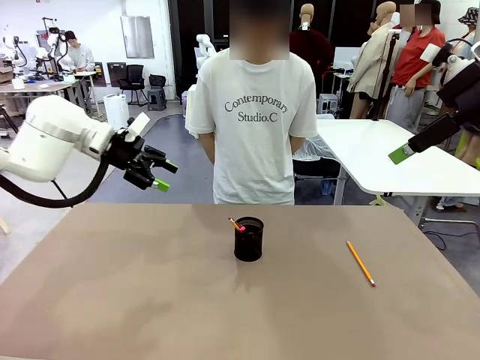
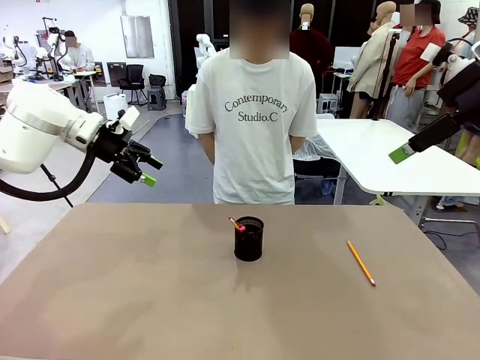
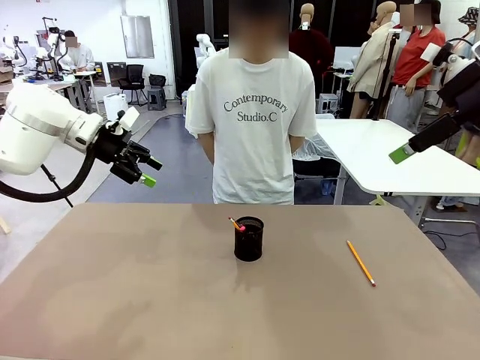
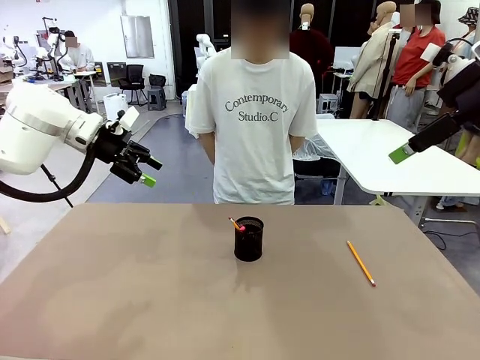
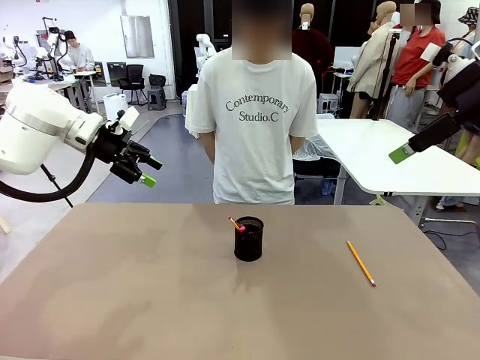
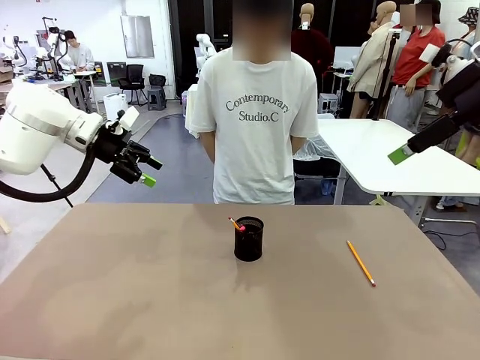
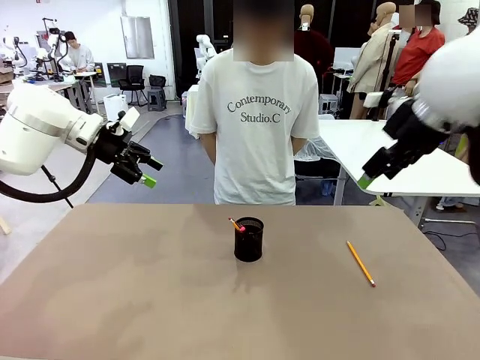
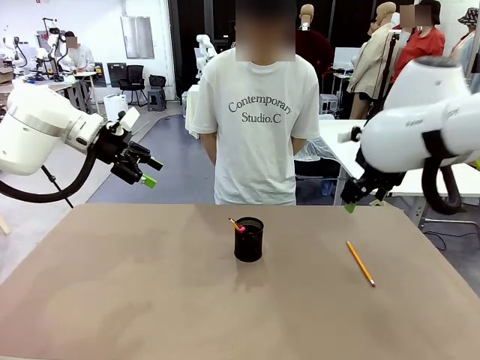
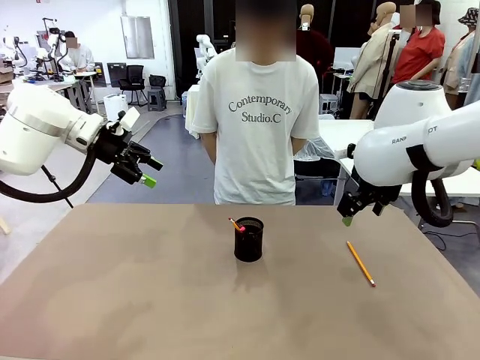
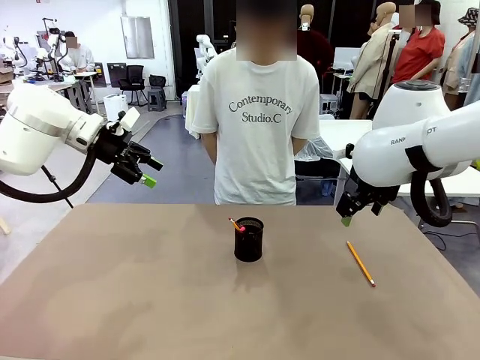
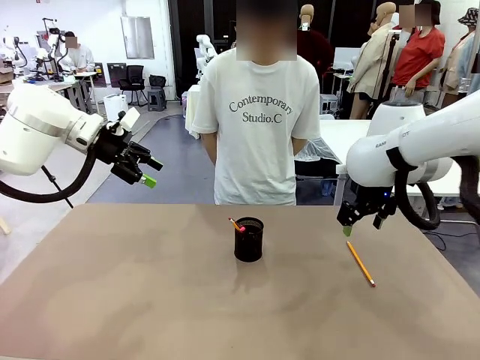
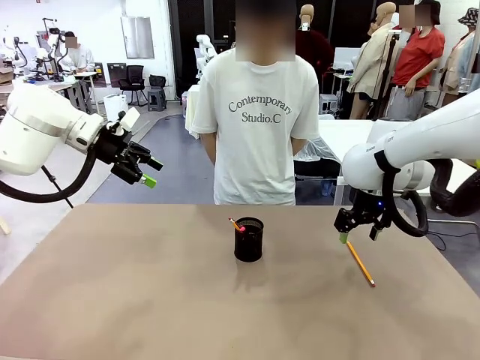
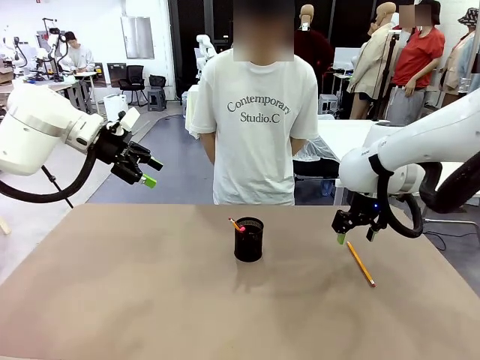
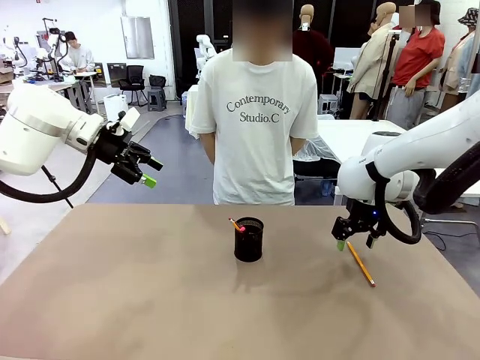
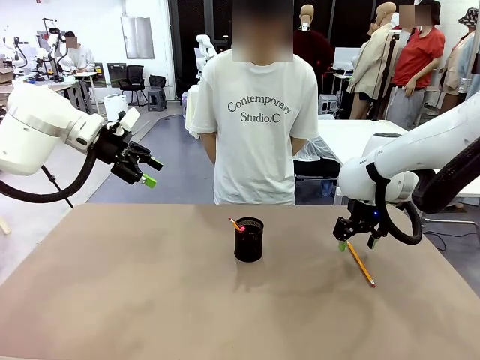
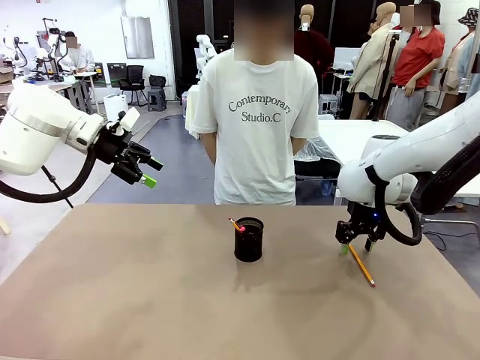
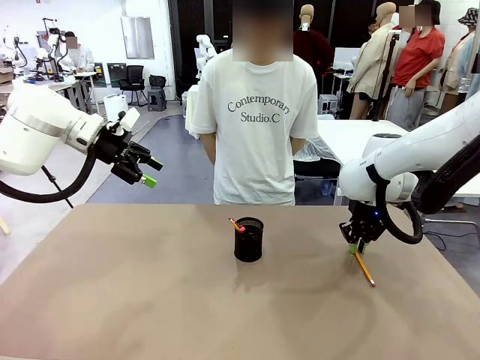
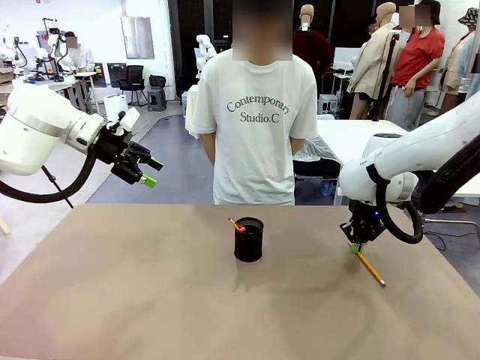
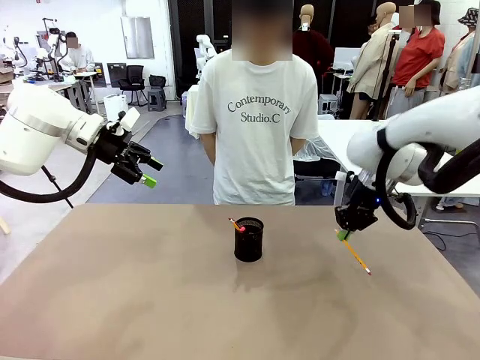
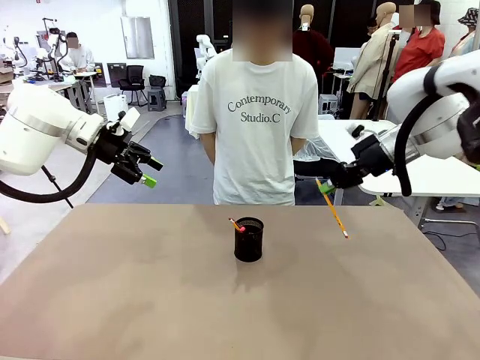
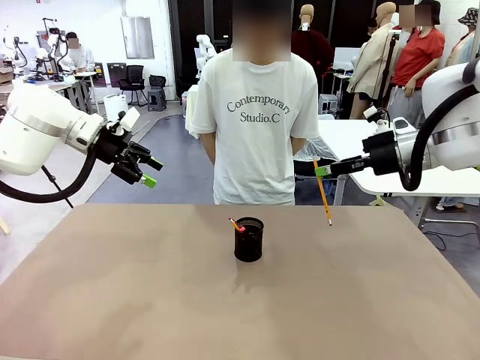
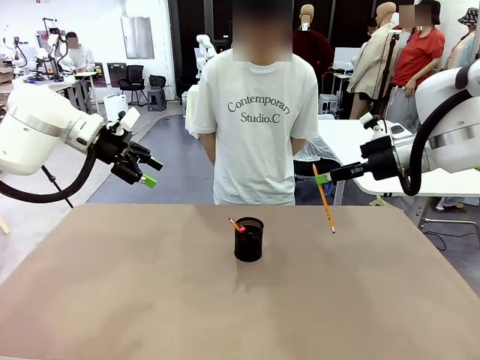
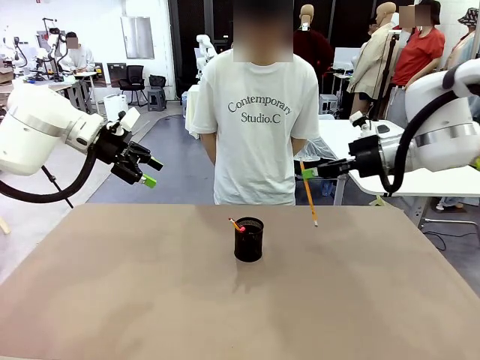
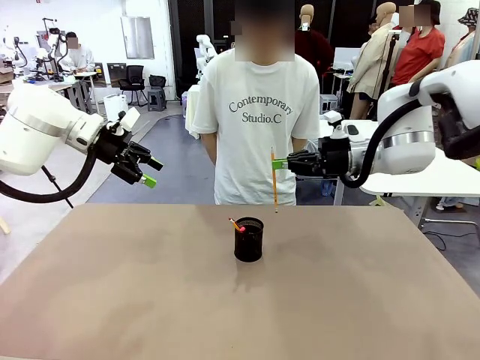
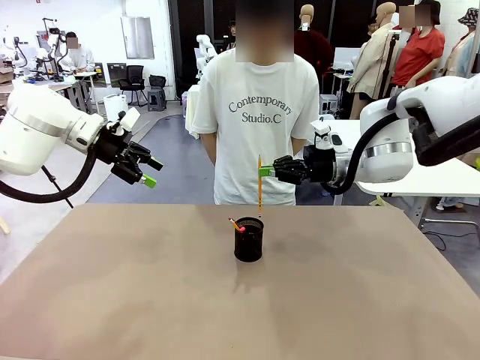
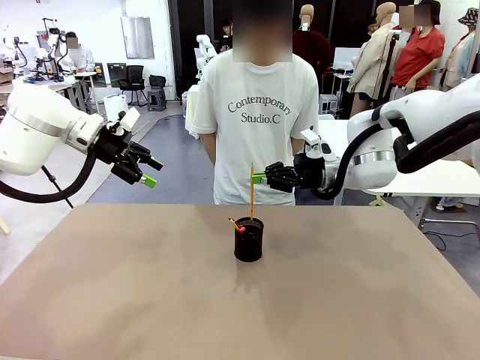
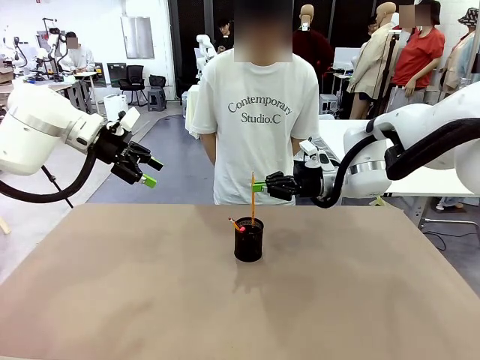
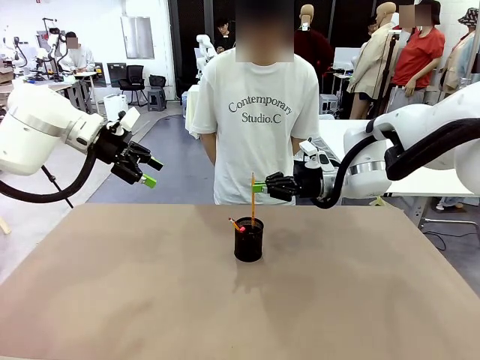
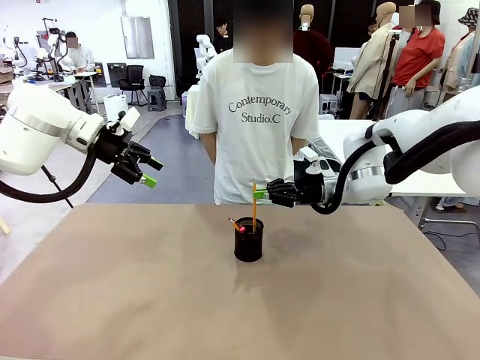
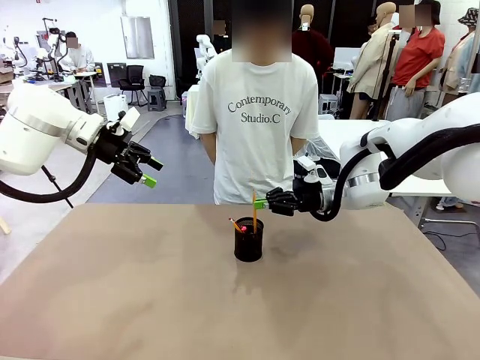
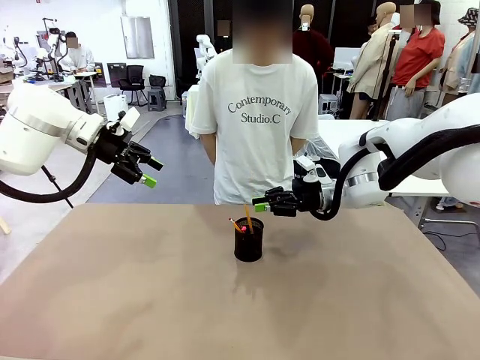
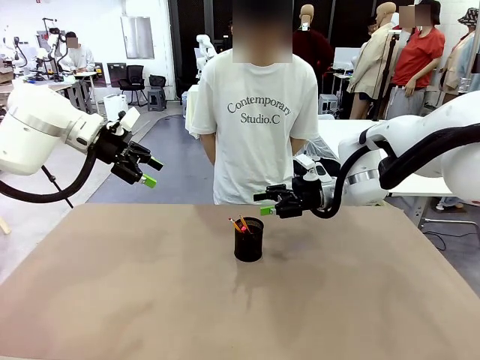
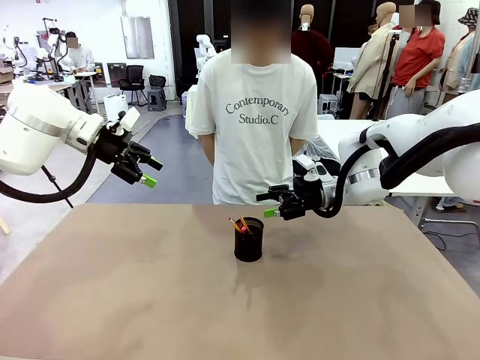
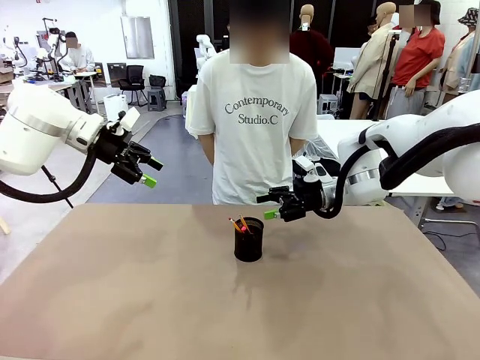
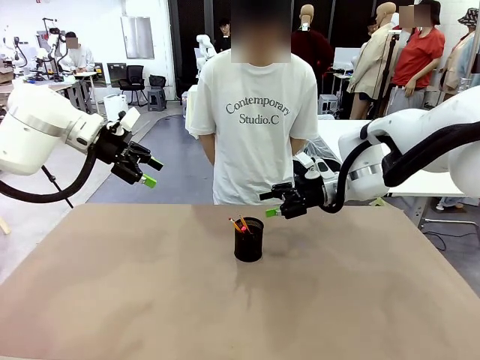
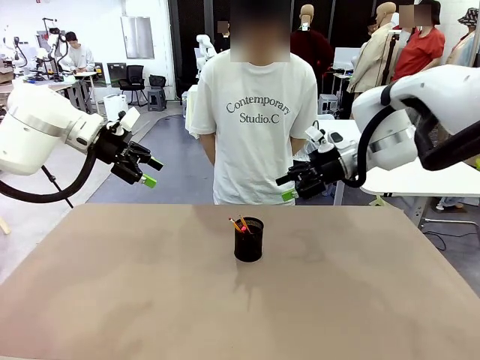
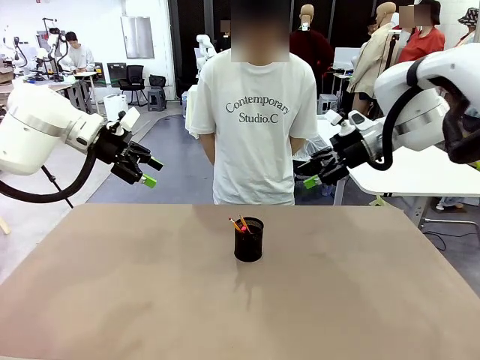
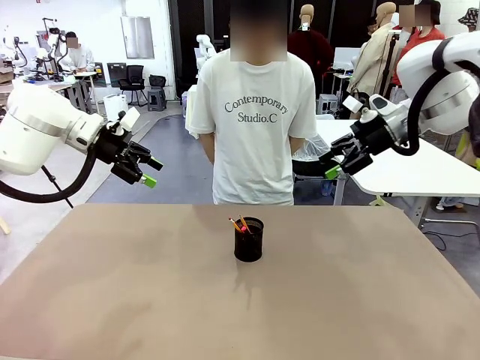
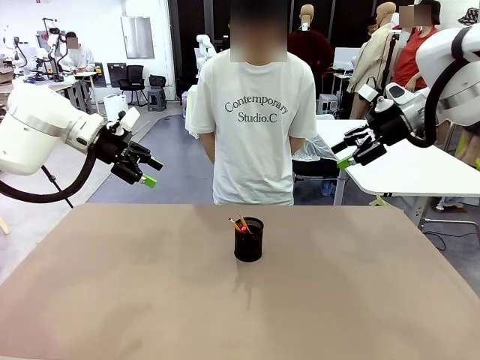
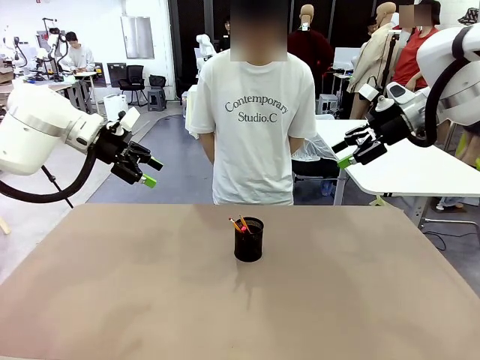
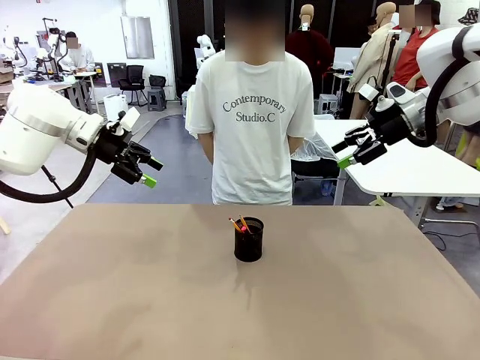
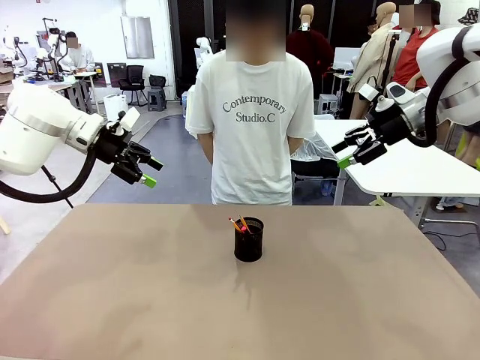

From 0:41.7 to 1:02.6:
Task: Place the pens into the pen holder.
Robot: Pick up a writing instrument from the table and place it into the Pen holder.

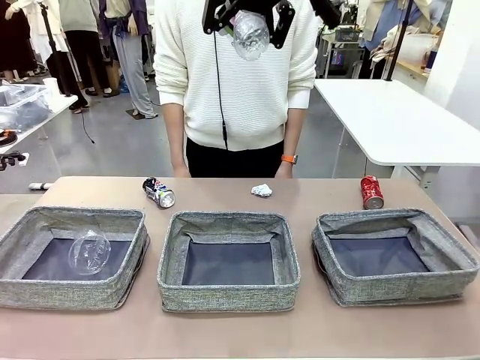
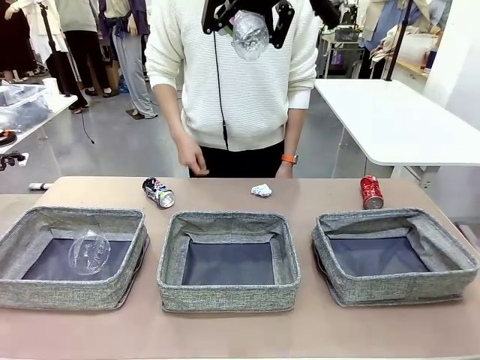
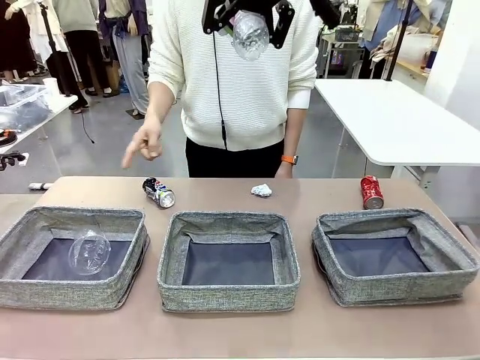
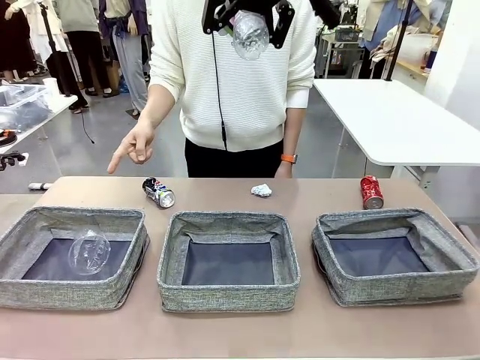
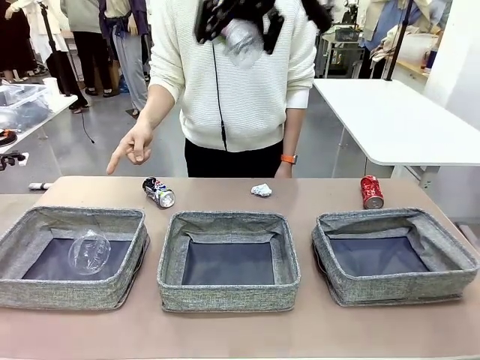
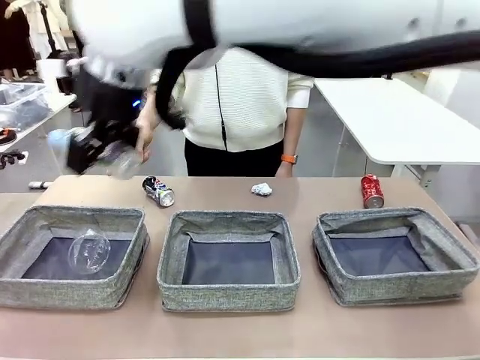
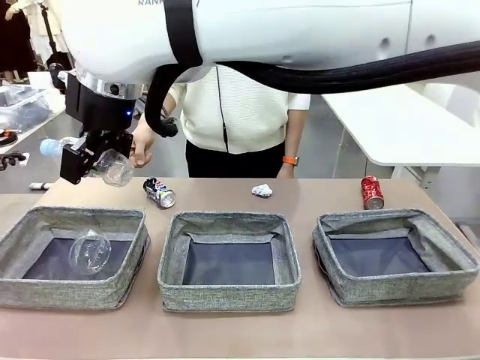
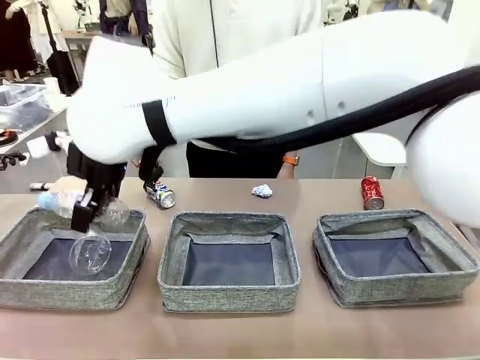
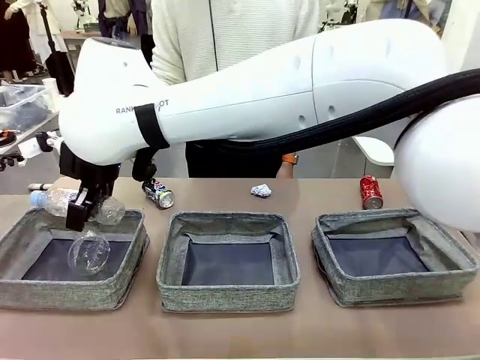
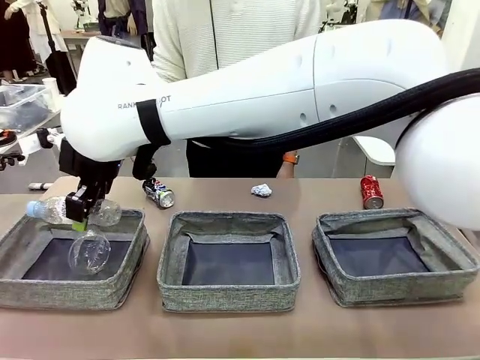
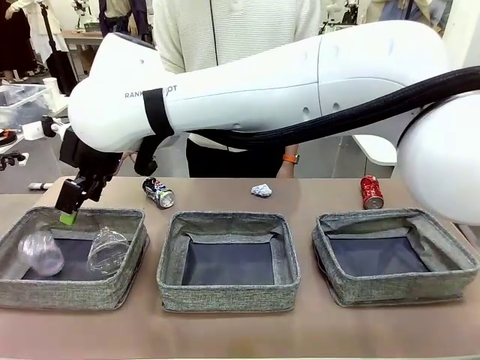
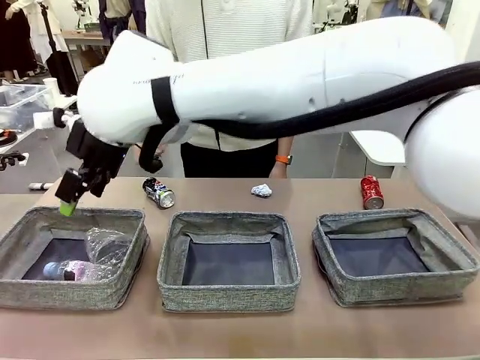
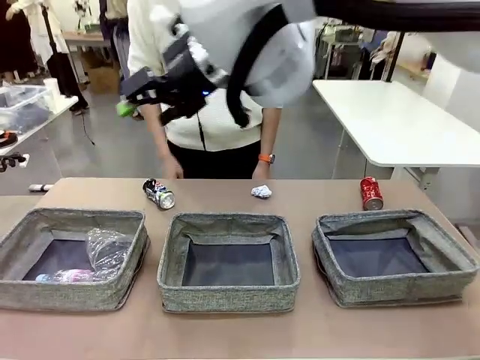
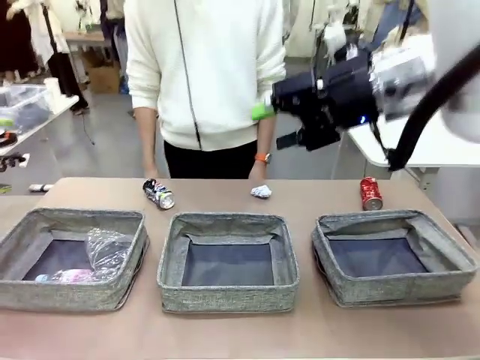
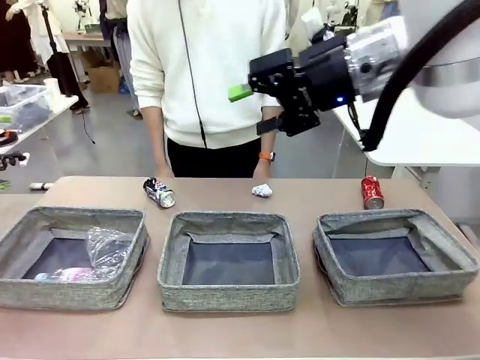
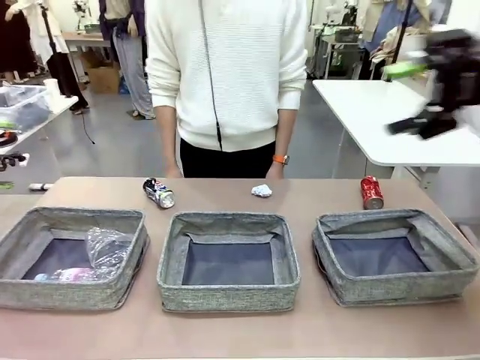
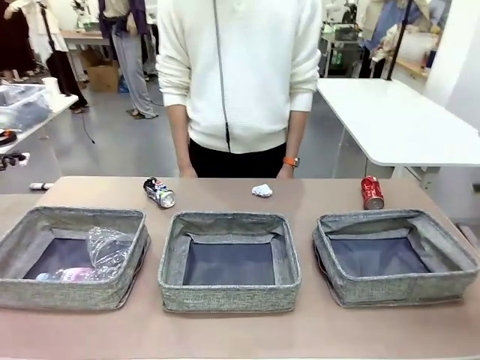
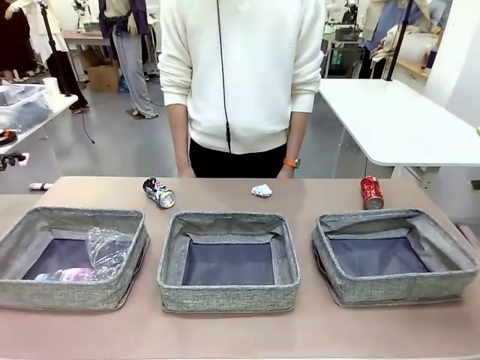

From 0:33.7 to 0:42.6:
Task: Sort the waste into the appropriate baskets.
Robot: Place the picked waste into the Fabric basket indicated by the person.
Person: Instructs the robot to place the picked-up trash into the appropriate organizing basket.
